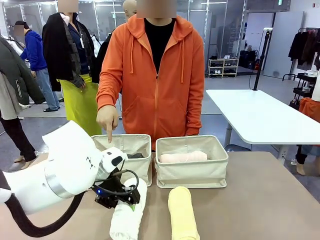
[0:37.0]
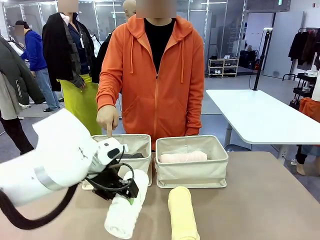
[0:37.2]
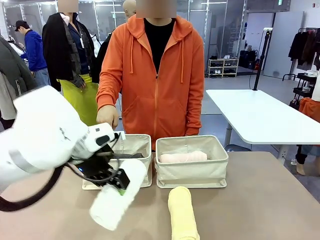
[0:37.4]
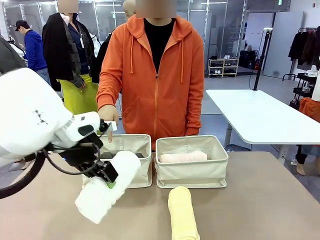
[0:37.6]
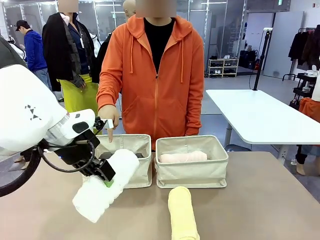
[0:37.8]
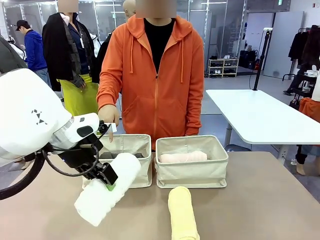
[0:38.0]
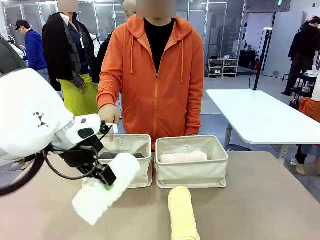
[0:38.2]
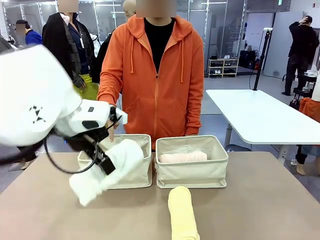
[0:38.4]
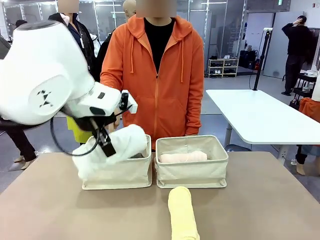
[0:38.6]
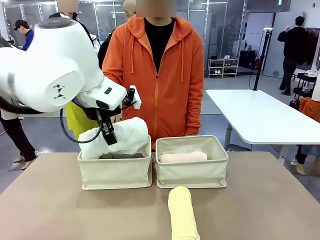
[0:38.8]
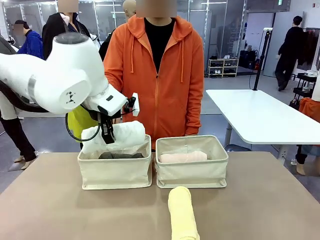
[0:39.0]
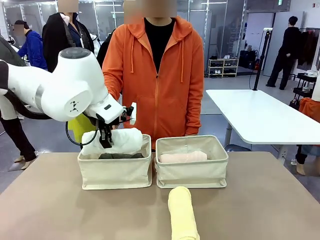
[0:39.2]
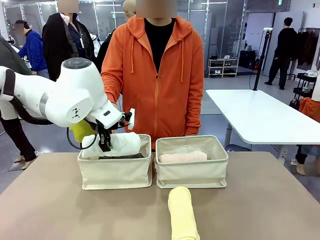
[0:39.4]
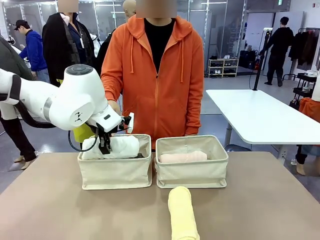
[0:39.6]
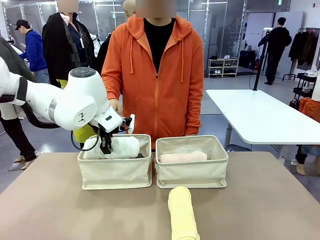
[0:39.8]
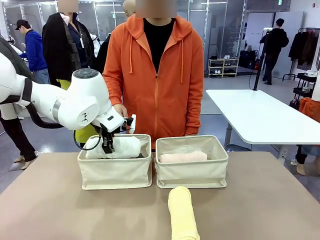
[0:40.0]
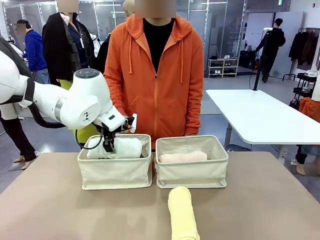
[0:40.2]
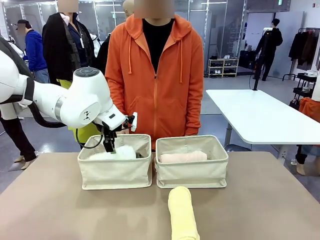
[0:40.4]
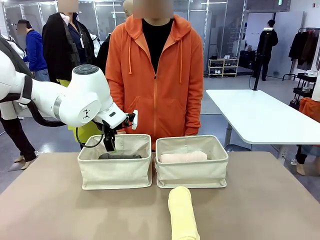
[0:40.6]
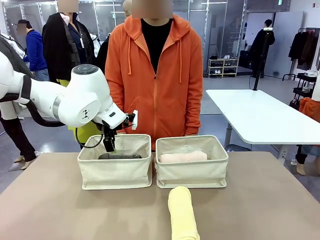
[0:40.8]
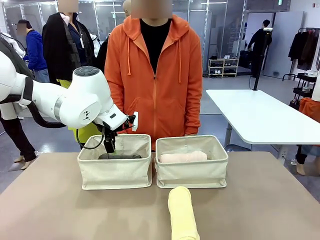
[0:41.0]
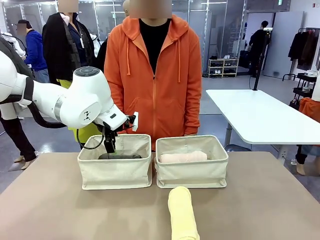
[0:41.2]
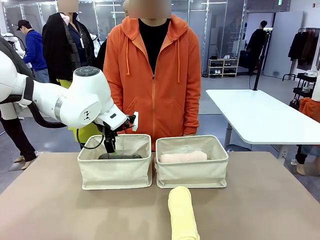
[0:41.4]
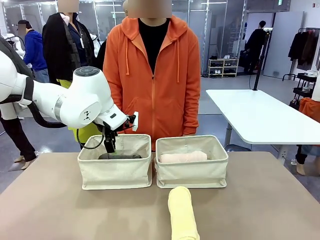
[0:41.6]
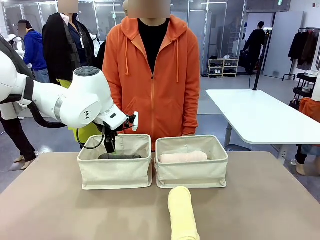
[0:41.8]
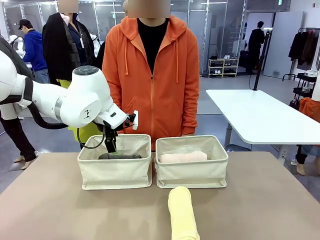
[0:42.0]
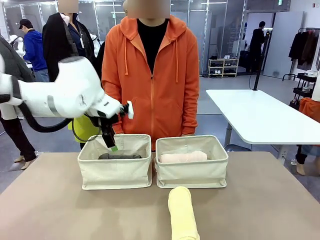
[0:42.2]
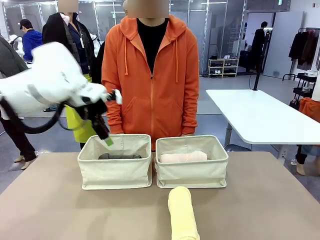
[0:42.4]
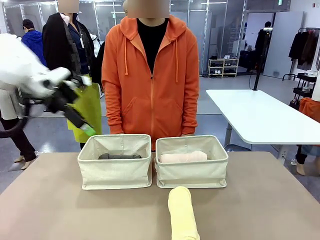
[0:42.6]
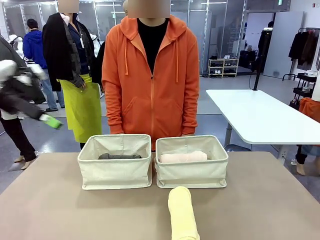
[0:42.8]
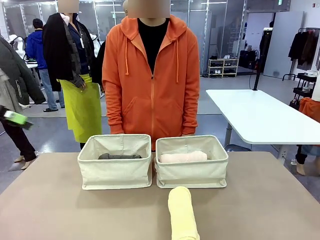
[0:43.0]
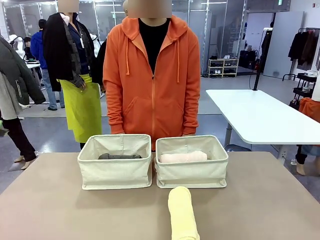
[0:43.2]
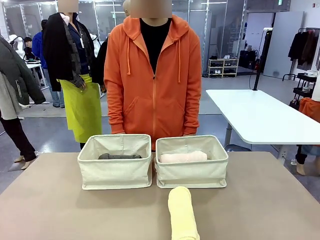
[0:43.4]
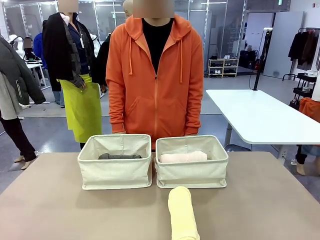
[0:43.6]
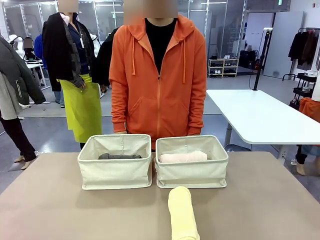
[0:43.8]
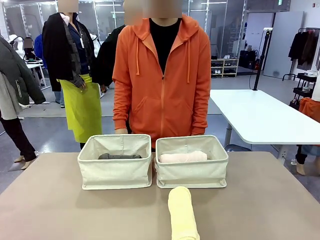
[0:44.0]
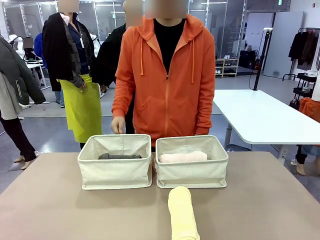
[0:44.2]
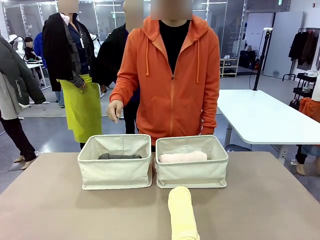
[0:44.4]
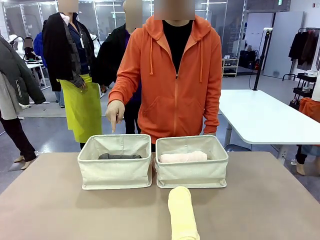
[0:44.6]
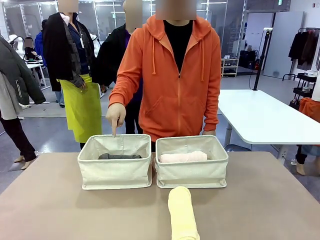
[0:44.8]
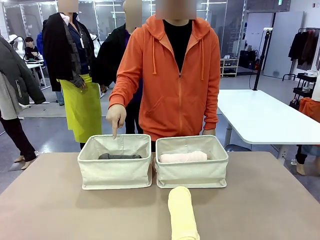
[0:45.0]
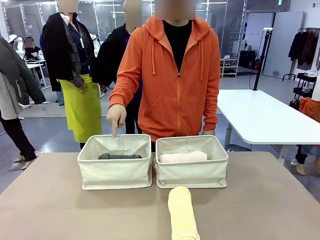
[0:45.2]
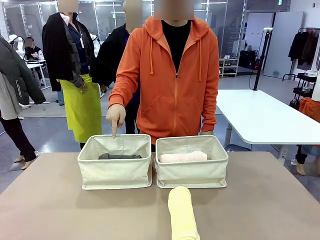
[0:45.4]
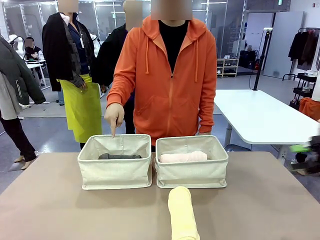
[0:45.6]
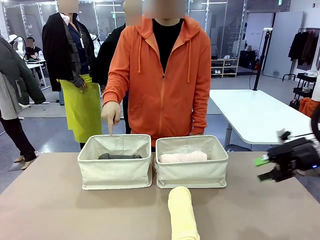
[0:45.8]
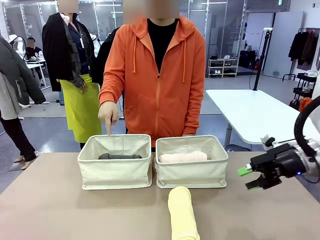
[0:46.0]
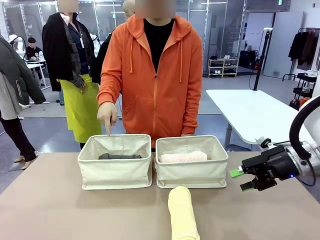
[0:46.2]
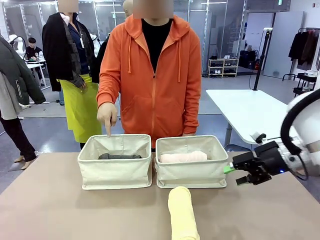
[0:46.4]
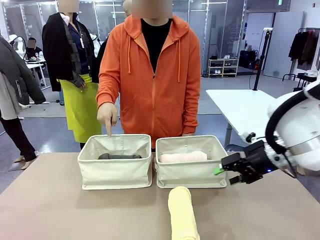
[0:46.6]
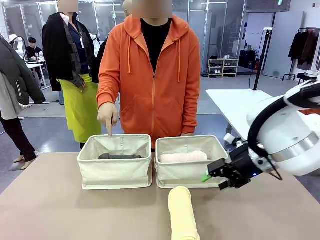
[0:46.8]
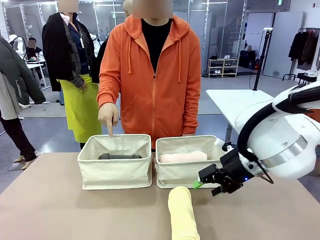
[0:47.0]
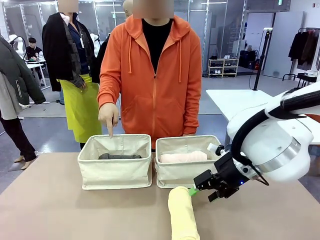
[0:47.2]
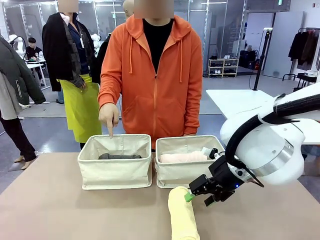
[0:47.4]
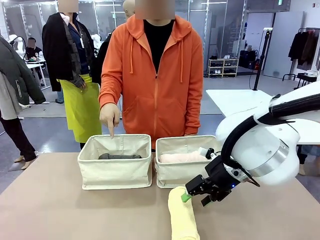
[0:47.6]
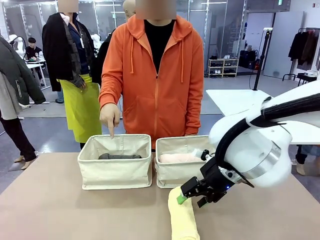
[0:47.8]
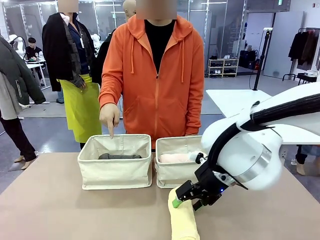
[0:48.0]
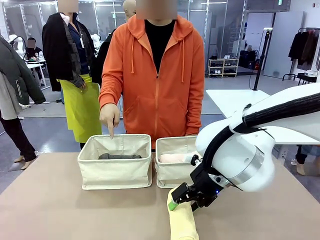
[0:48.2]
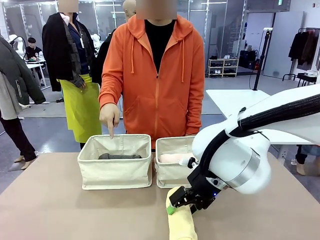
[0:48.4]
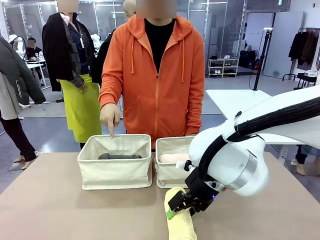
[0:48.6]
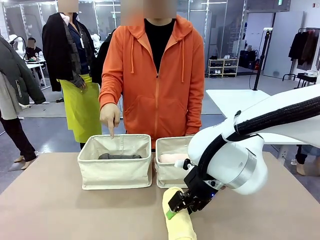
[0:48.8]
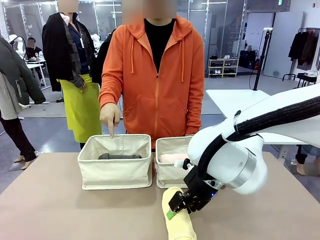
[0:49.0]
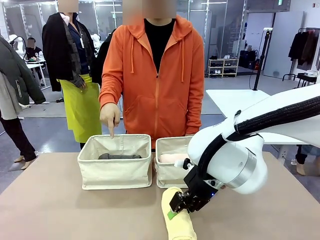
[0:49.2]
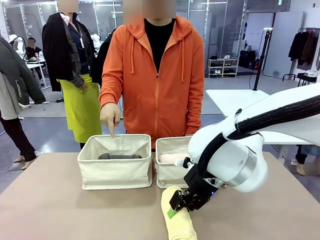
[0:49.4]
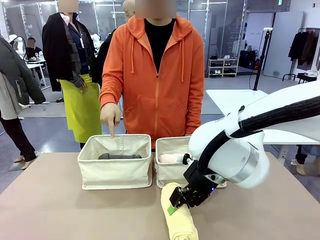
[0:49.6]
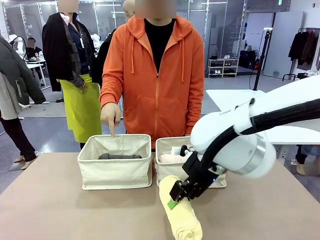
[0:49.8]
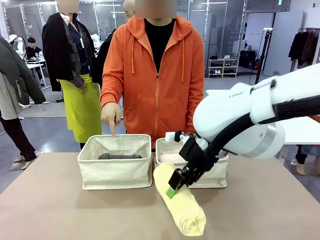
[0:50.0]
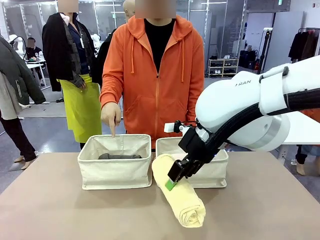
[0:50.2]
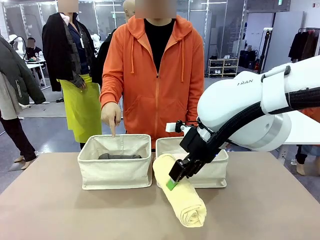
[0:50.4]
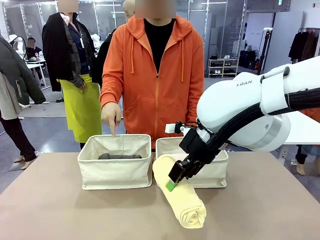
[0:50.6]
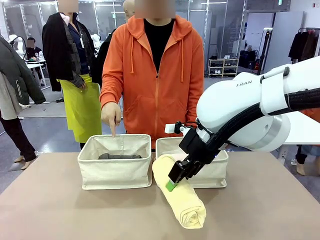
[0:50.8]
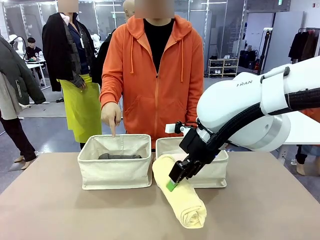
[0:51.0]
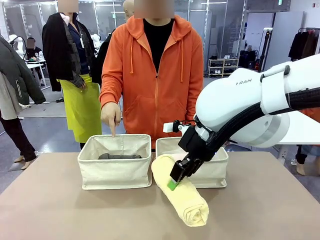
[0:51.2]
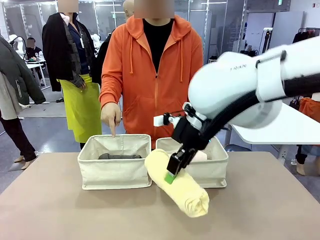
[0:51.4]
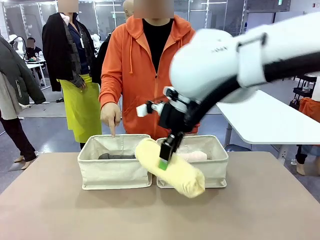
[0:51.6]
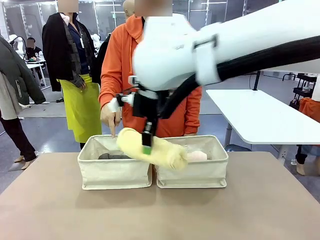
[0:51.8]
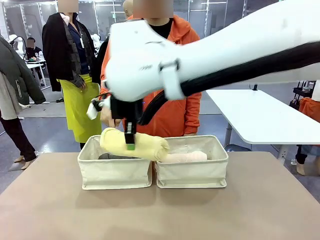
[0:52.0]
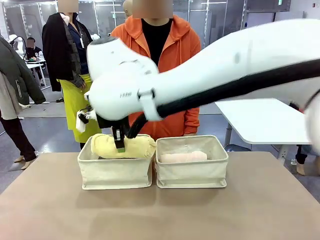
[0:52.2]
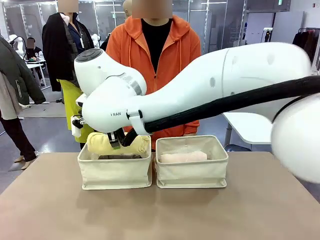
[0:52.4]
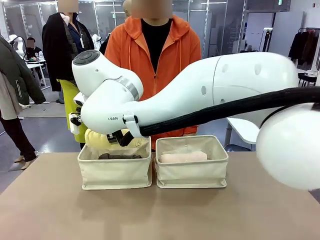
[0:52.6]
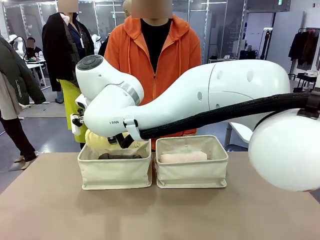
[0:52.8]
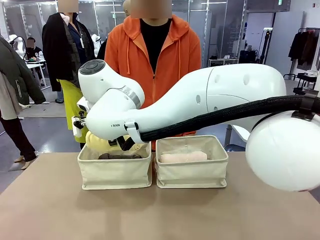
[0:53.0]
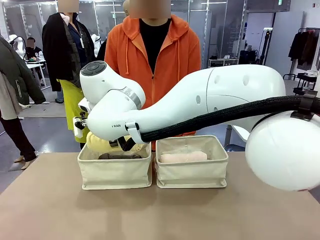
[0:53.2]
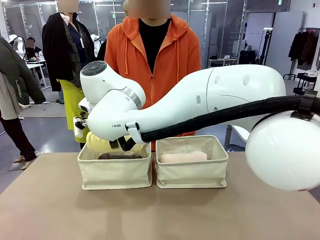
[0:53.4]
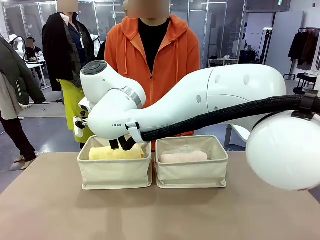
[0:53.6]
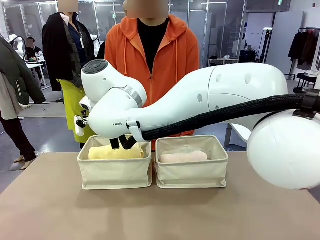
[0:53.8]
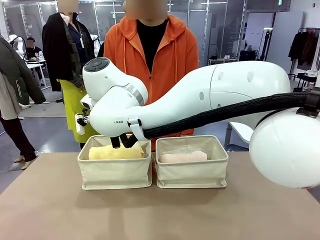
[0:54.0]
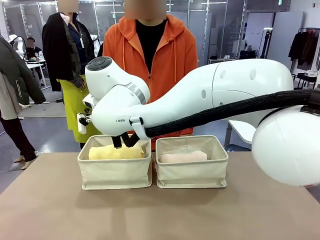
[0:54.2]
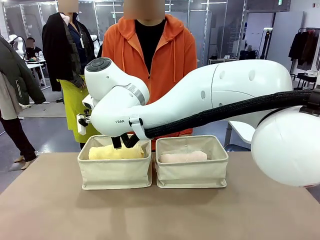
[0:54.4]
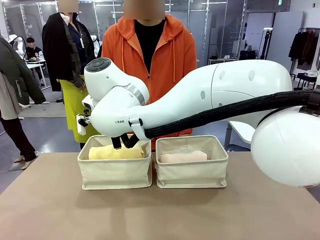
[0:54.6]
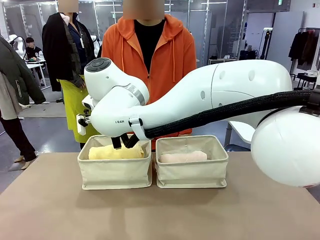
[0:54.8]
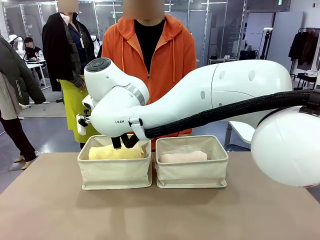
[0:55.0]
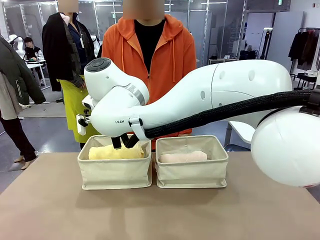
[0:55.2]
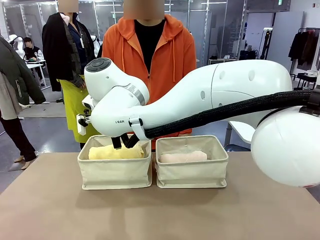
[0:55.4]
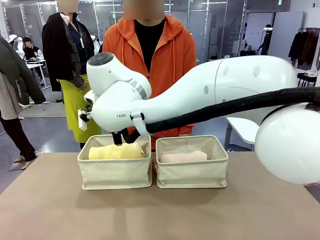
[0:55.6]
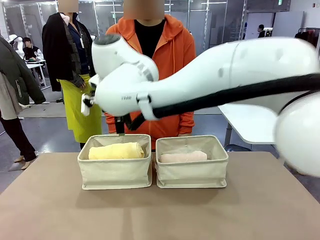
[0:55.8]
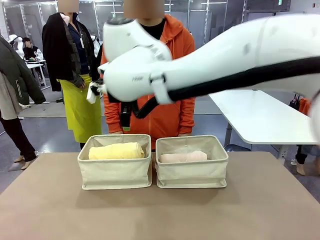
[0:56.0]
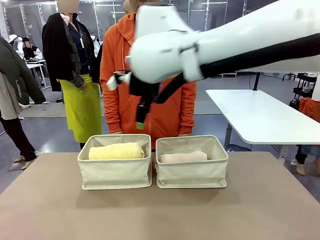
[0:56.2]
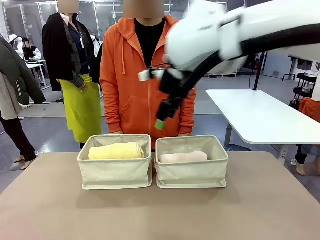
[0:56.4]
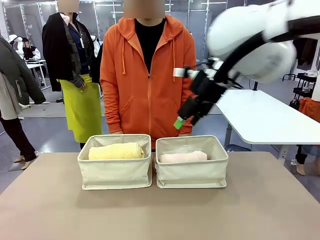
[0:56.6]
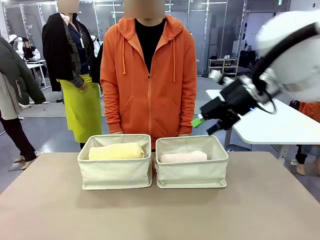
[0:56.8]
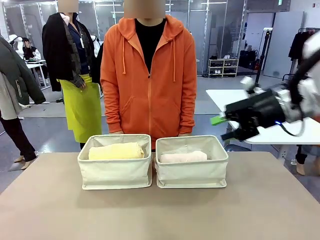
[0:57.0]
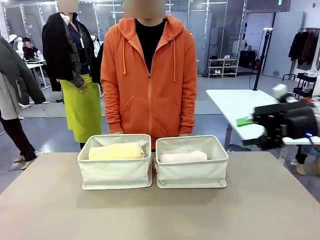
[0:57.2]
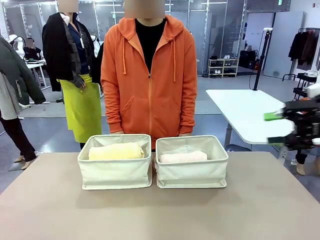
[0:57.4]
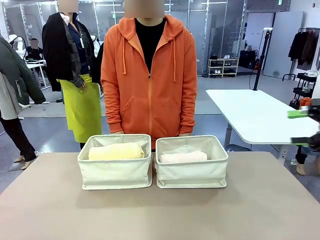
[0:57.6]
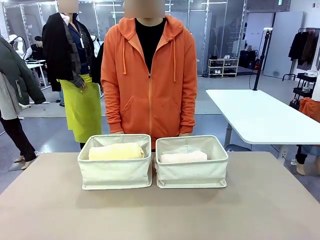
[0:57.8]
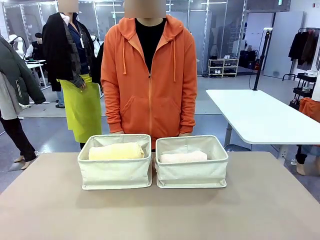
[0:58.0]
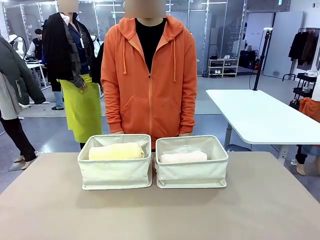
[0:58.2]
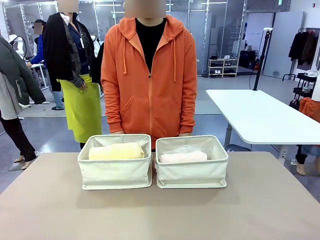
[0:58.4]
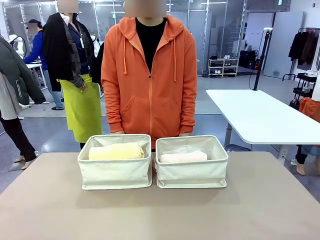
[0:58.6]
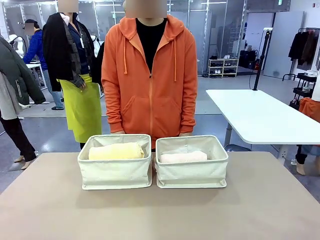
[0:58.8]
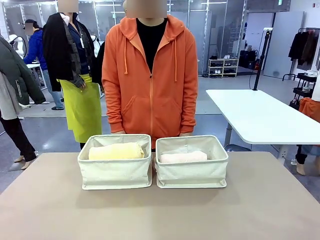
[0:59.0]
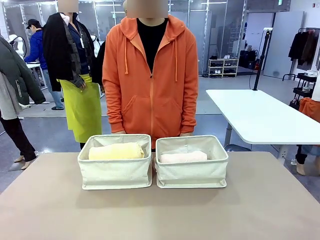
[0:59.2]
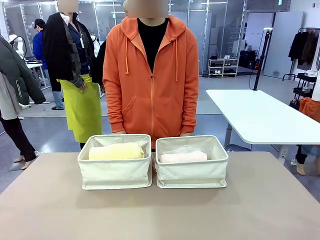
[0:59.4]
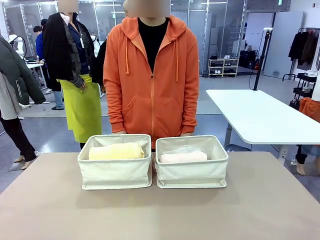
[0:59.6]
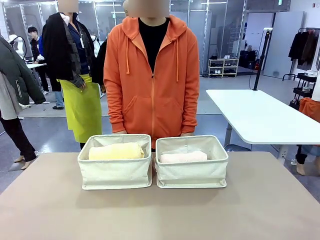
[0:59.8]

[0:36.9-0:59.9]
Task: Divide the towels into two baskets.
Robot: Pick up one hotel-folded towel from the bottom of the table and place it in the Fabric basket indicated by the person.
